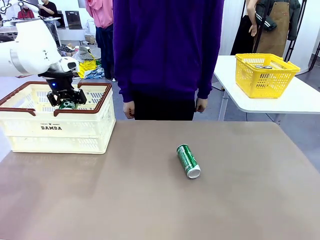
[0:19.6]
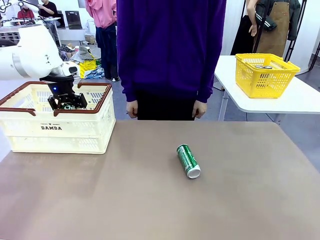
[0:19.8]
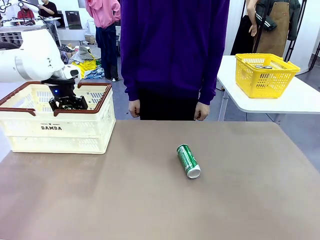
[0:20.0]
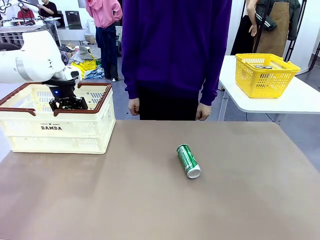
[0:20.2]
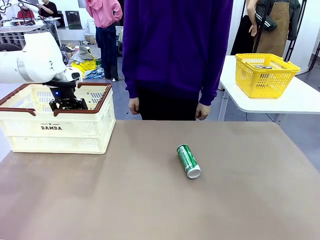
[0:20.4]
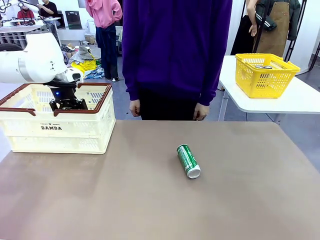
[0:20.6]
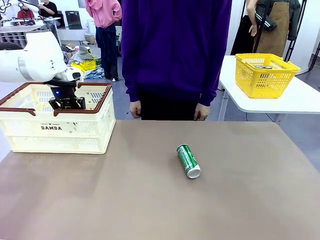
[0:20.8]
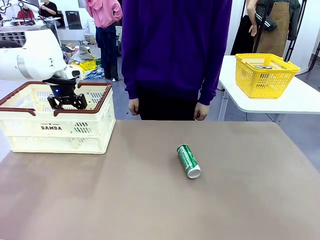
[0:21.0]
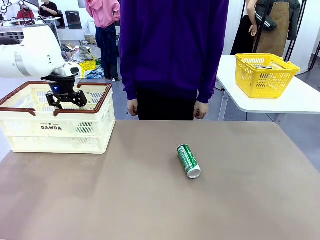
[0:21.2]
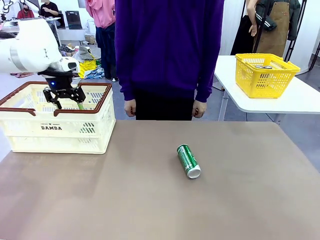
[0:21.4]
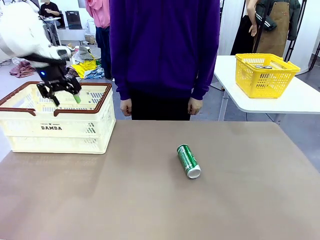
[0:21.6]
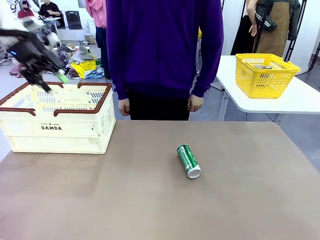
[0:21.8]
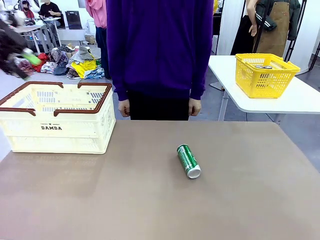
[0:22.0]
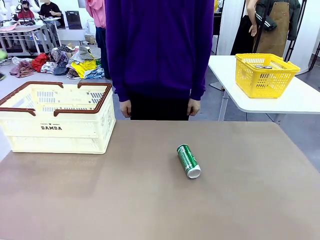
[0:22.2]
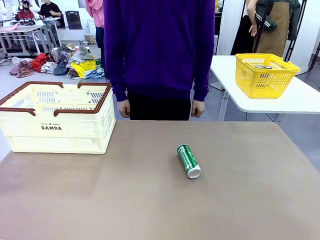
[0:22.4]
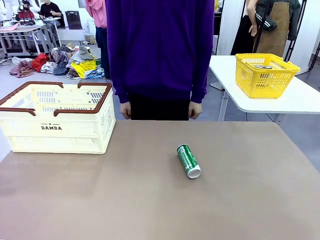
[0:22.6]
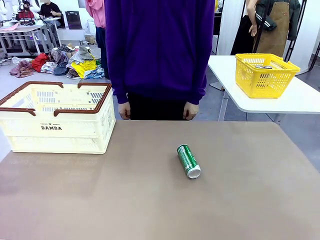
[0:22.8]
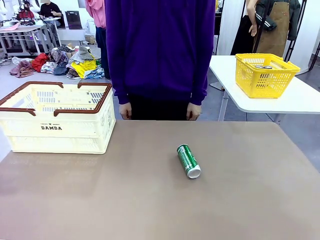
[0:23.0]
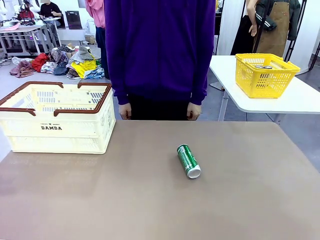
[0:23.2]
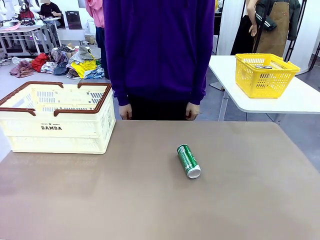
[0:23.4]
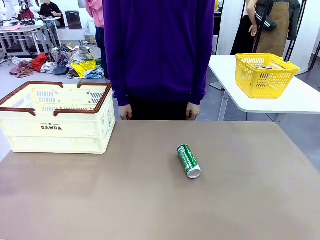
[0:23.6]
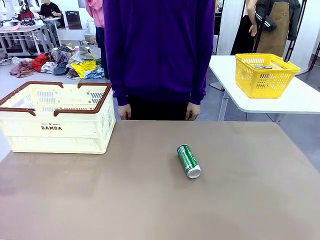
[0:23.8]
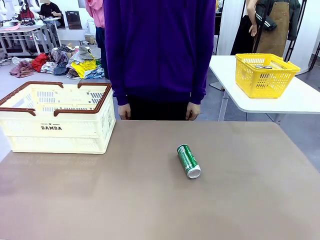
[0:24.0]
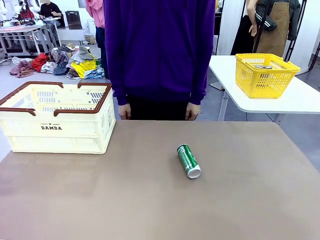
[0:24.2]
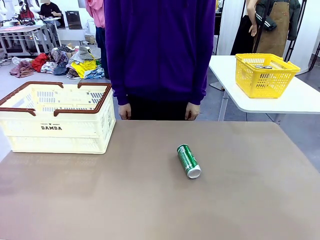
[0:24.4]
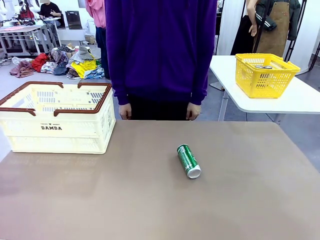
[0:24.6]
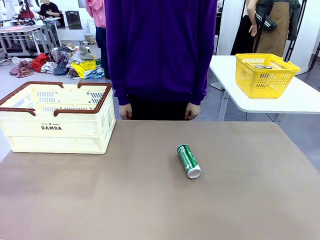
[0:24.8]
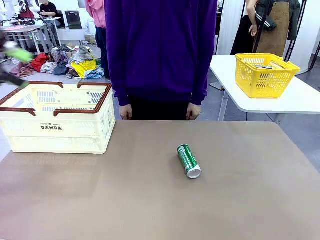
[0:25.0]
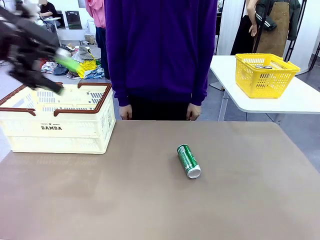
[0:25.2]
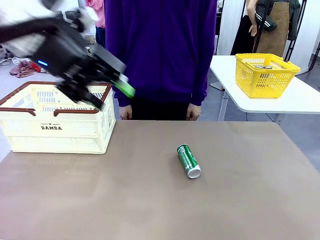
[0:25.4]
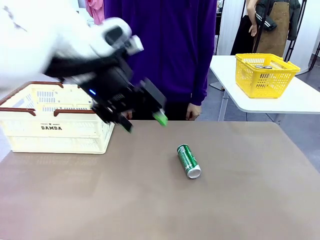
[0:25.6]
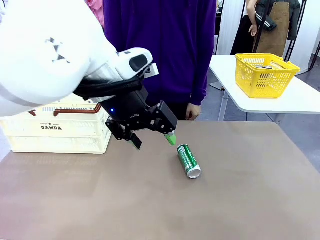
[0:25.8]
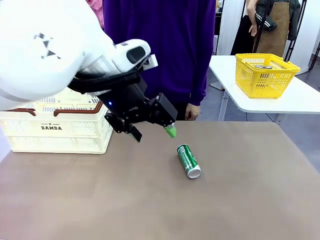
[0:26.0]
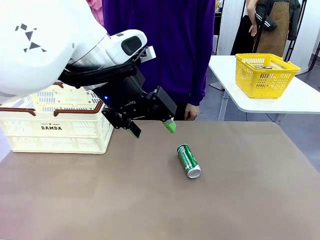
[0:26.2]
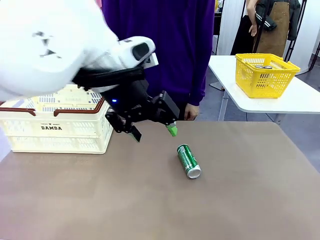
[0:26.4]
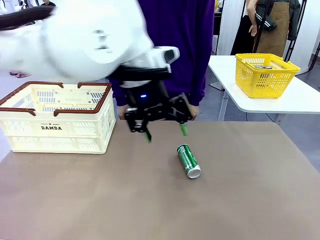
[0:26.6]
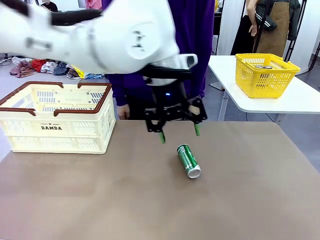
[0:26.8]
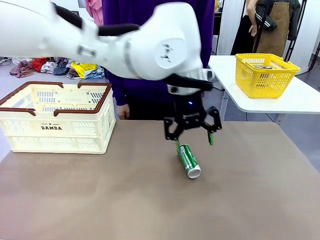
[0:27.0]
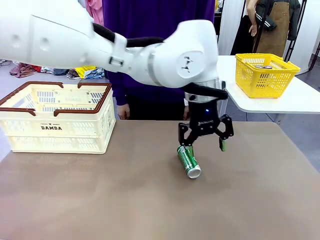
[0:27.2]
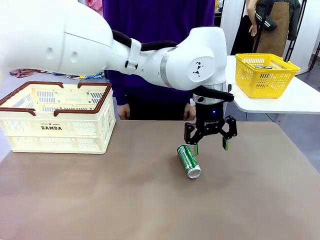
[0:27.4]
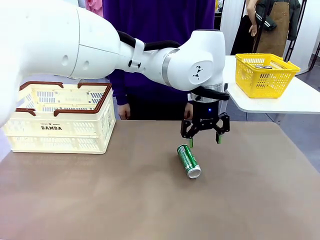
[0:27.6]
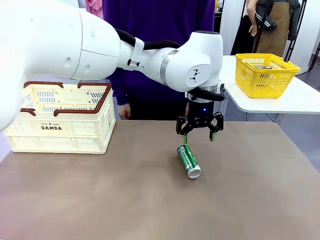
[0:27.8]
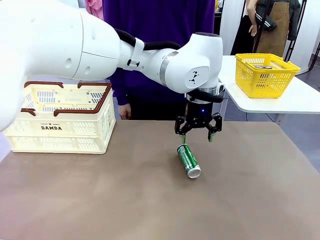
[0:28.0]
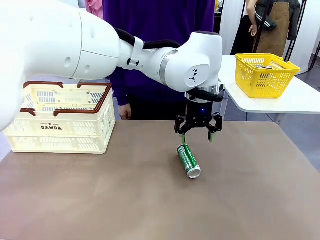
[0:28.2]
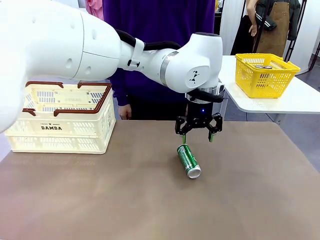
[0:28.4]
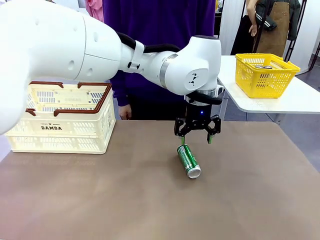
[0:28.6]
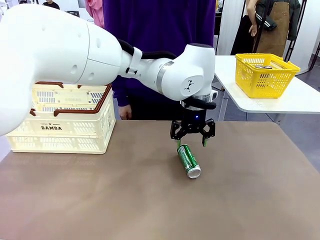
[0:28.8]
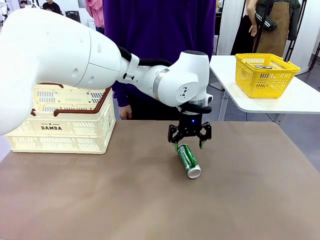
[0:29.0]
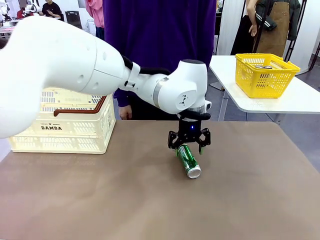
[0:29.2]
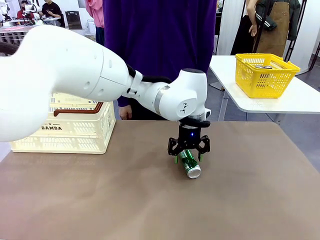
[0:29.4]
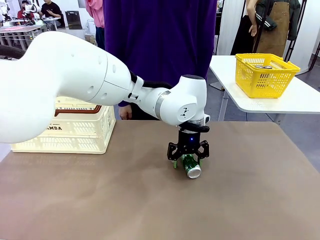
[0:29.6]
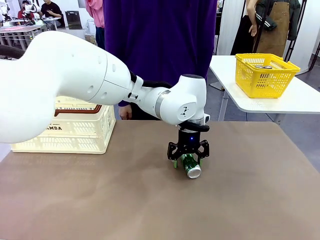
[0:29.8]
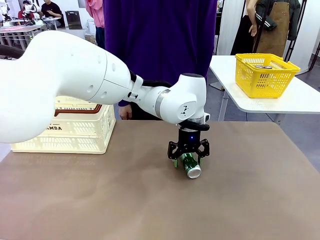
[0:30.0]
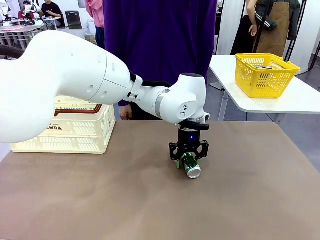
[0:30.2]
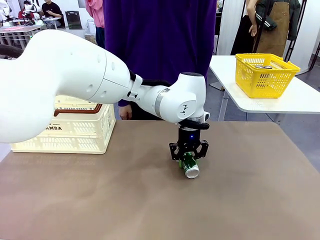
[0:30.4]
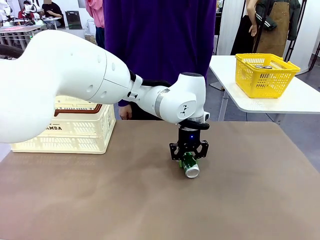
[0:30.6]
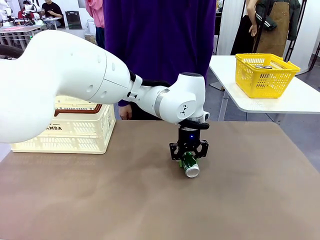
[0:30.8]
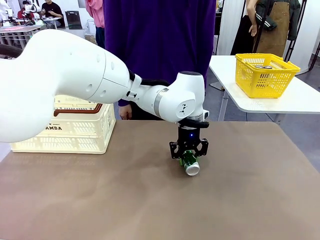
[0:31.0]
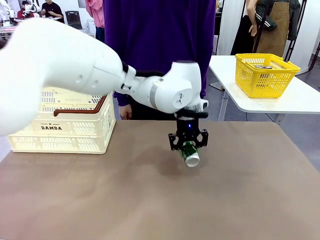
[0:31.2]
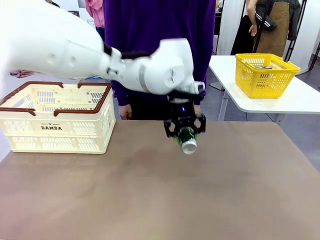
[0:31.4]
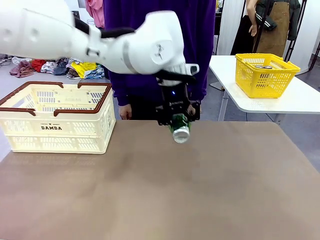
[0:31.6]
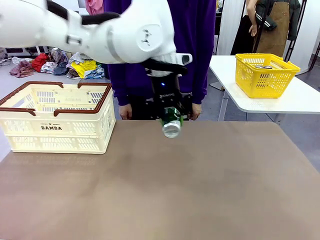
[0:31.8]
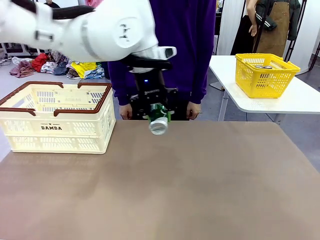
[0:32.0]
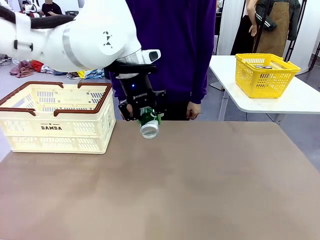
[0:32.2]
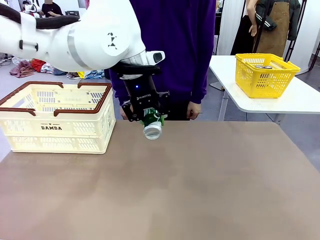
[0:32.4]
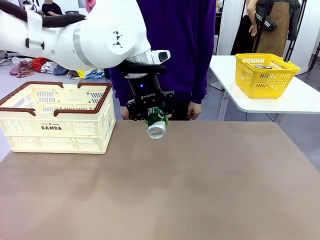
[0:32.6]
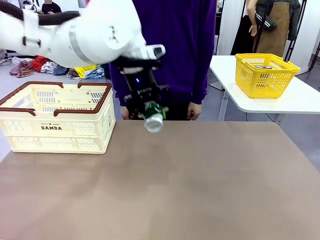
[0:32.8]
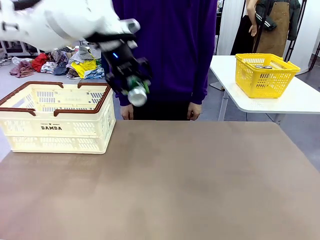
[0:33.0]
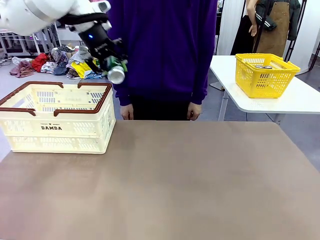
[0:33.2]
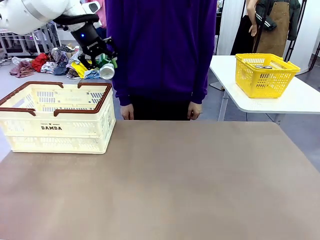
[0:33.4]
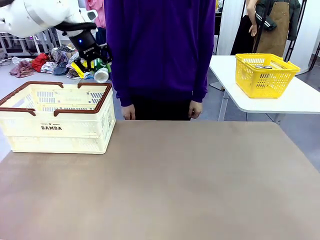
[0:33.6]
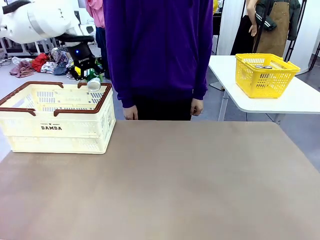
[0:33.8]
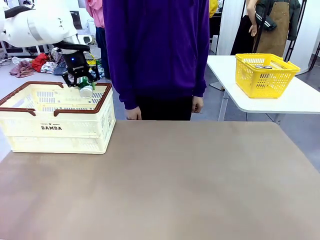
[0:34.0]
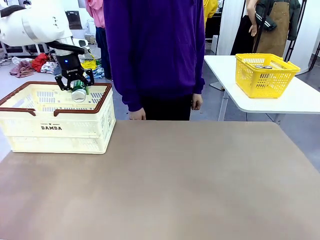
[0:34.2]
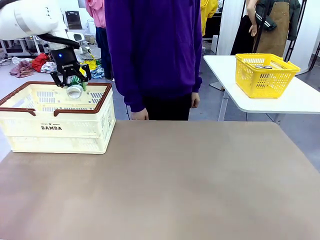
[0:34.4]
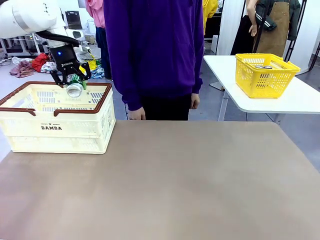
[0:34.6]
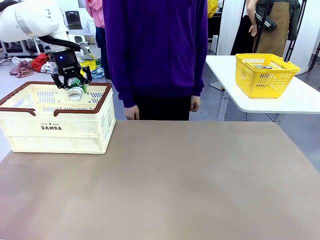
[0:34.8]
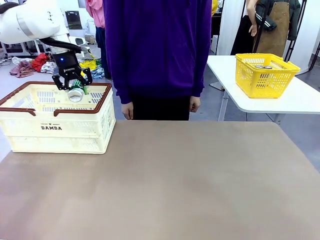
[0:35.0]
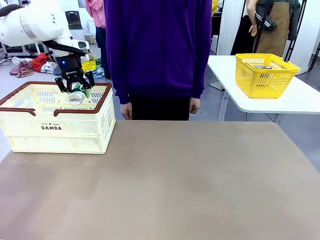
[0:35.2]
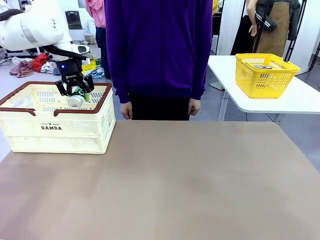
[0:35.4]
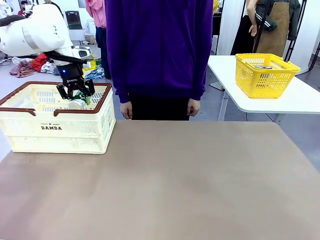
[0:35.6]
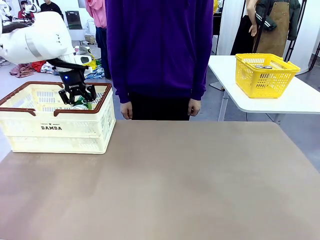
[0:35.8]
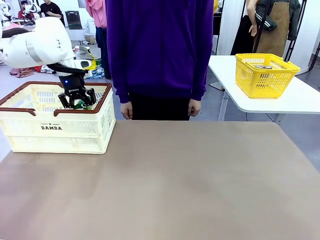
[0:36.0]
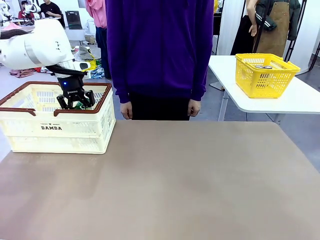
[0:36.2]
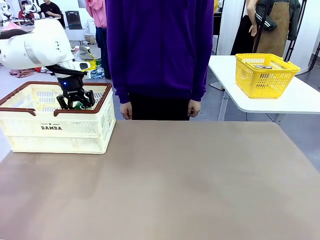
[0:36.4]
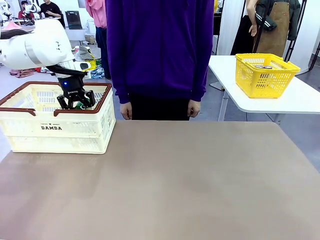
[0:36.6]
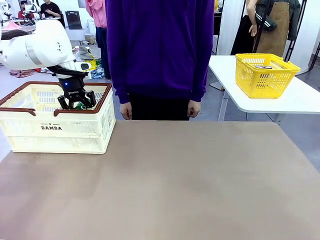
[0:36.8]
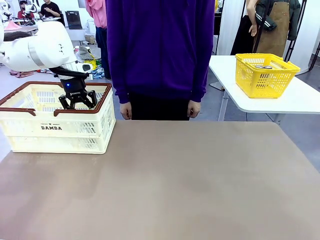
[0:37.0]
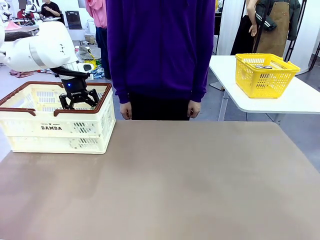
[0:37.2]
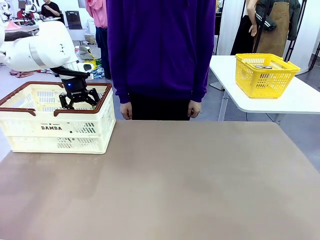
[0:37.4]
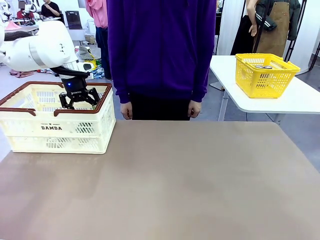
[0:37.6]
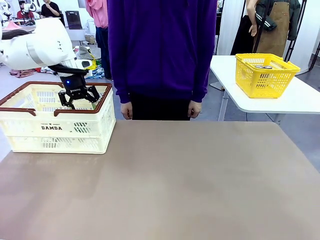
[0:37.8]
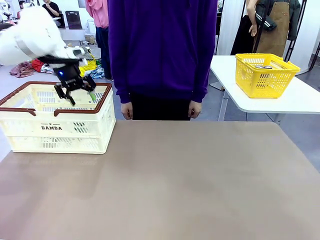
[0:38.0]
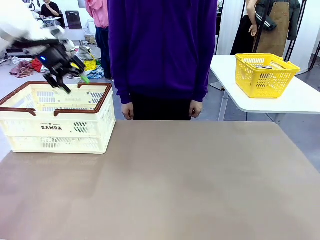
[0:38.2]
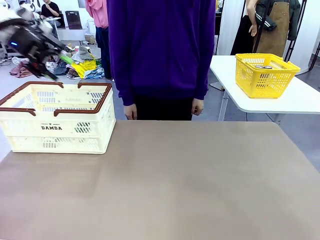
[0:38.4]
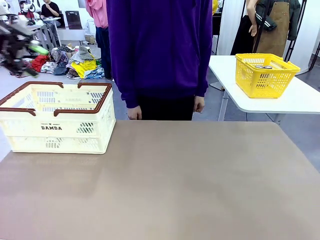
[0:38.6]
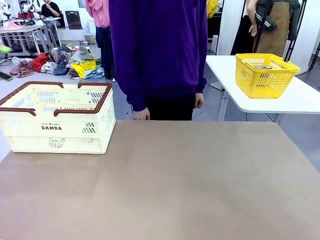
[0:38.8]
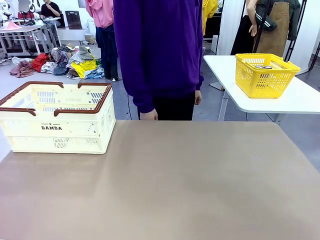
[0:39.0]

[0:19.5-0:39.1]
Task: Place the drinks into the Shopping basket.
Robot: Pick up one drink and place it into the Shopping basket.
